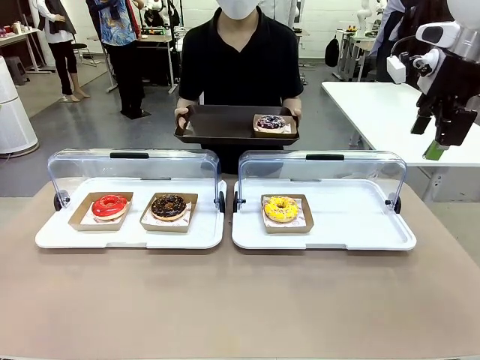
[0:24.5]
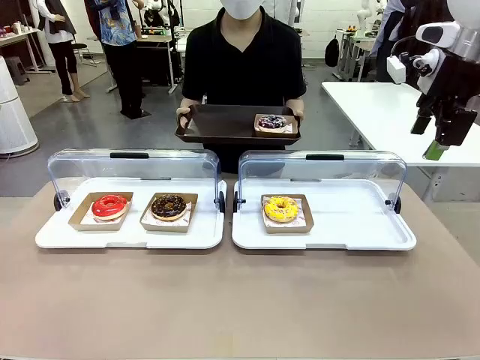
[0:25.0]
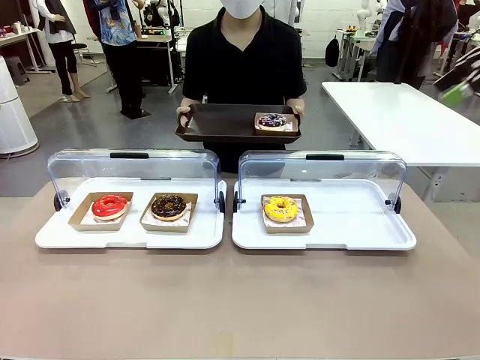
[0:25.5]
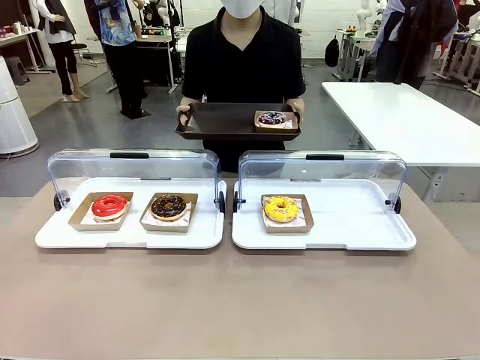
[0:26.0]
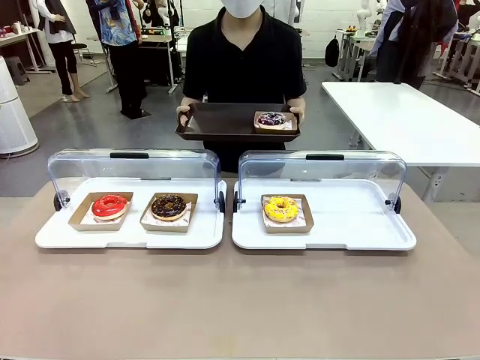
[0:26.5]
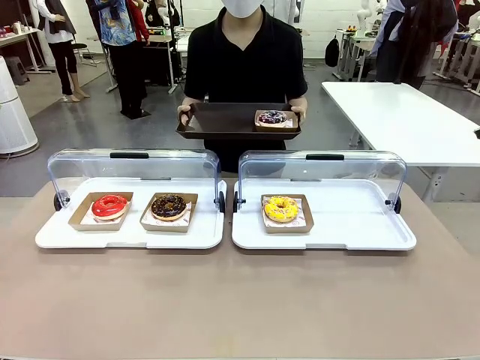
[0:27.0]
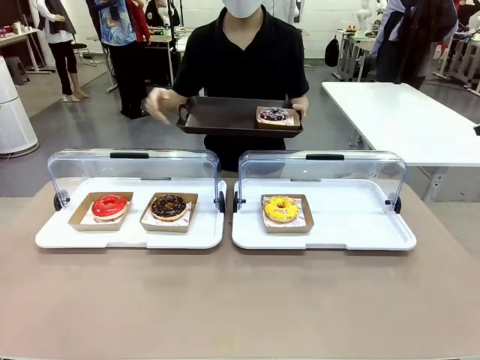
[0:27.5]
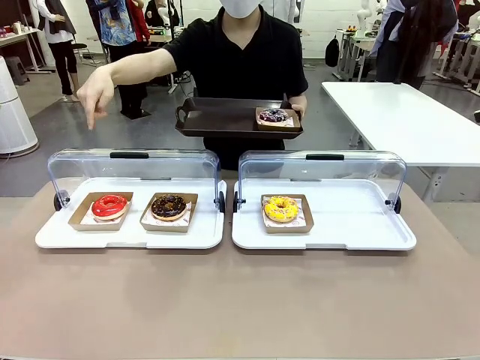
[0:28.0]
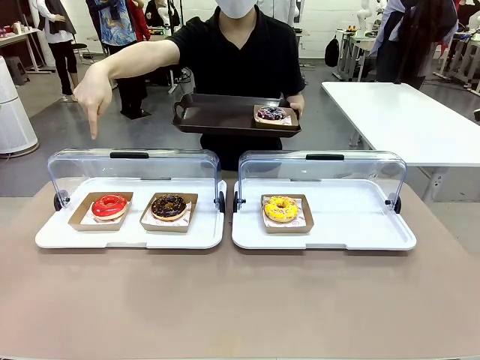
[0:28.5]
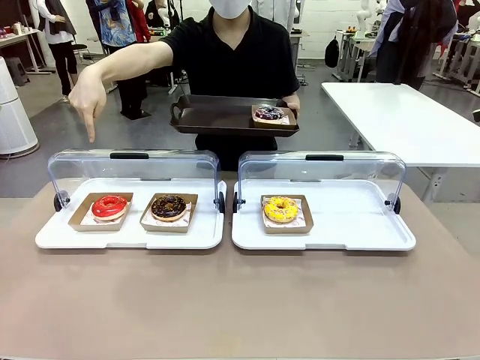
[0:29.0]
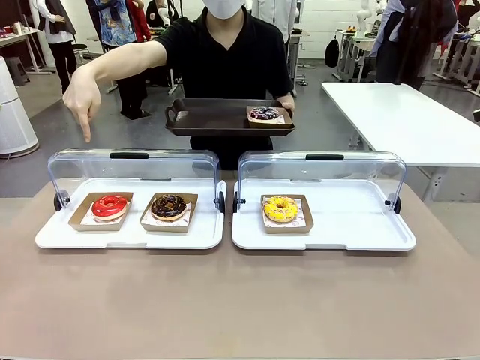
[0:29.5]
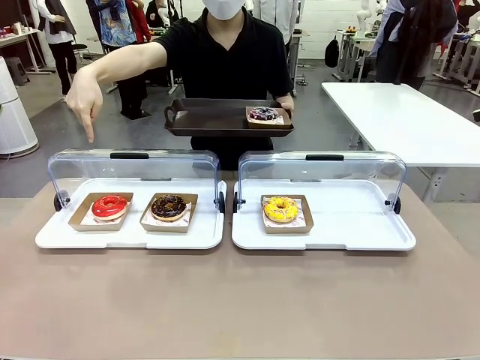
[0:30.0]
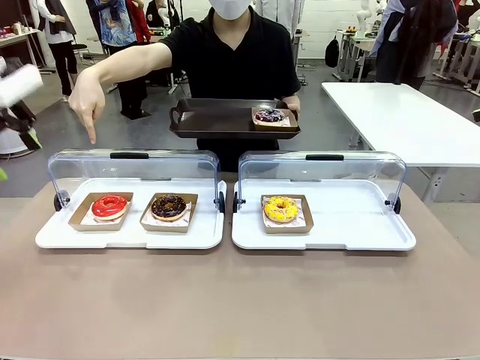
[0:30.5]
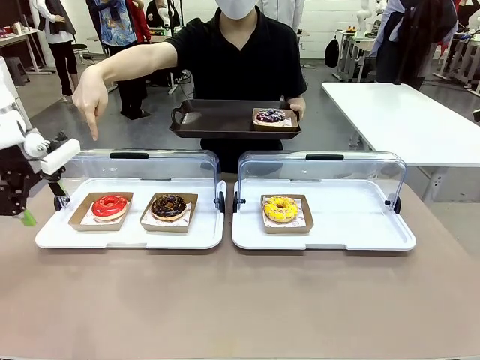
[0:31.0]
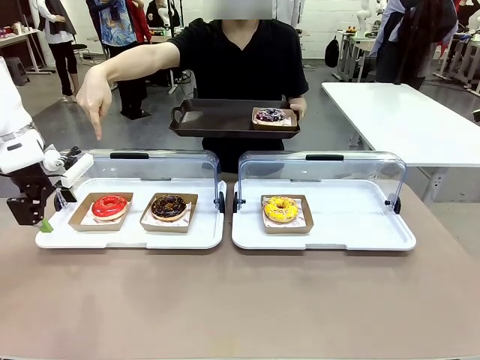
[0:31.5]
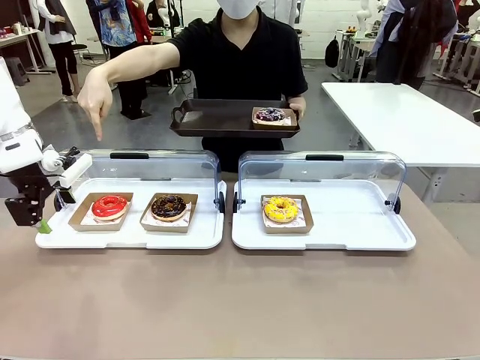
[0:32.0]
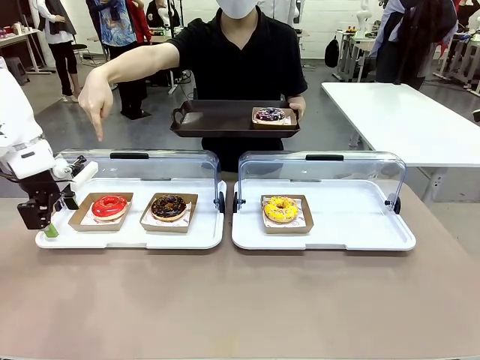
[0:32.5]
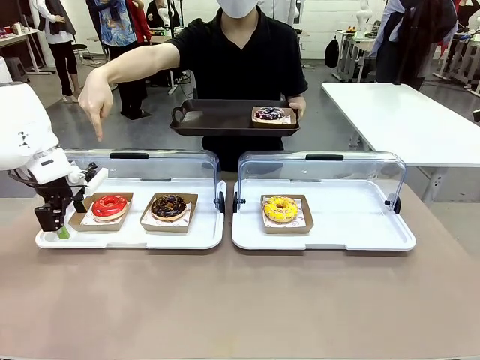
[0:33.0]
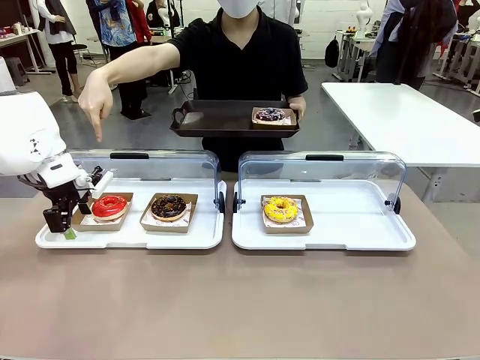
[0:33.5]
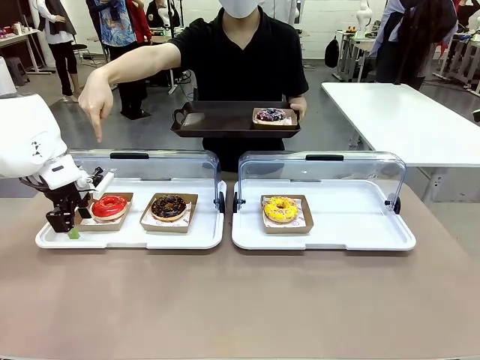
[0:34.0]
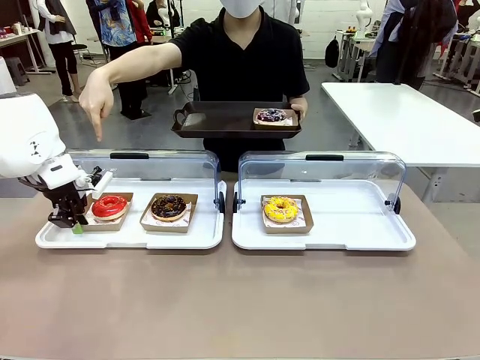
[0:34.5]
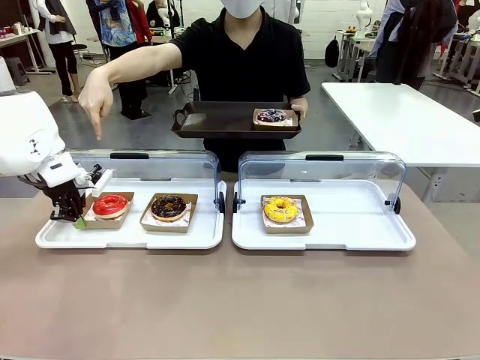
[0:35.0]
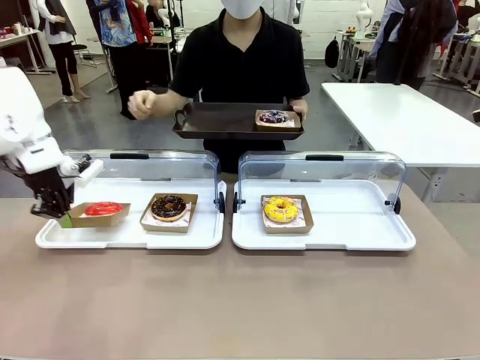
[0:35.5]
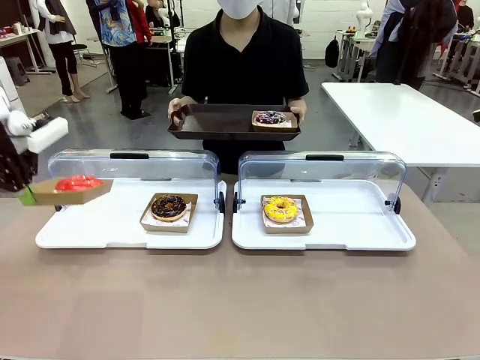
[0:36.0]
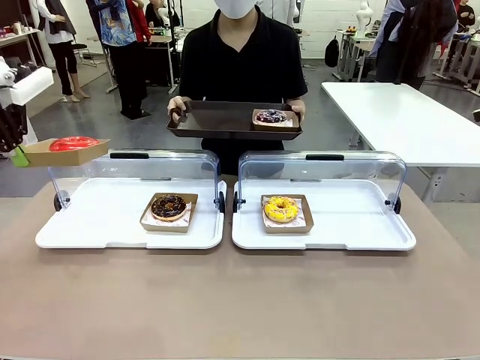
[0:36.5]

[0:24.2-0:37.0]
Task: Provide the desired donut to the person.
Robot: Pick up and lift the Paper togo box containing the Donut pointed at by the person.
Person: Point to one donut. Lift the tray onto the Roll-Top Bakery Case.

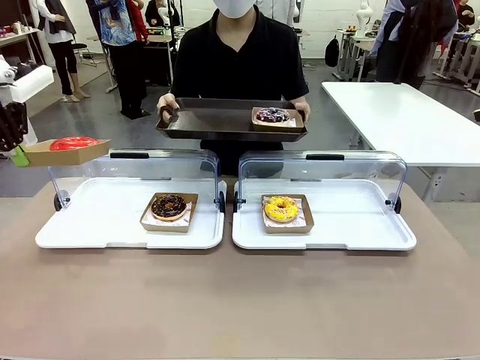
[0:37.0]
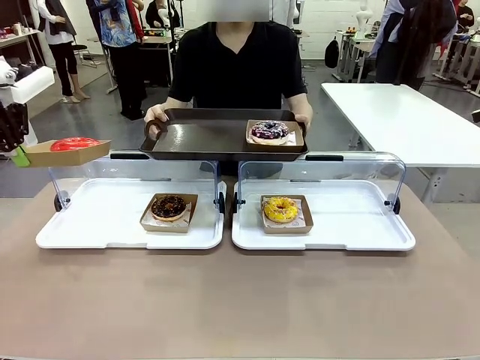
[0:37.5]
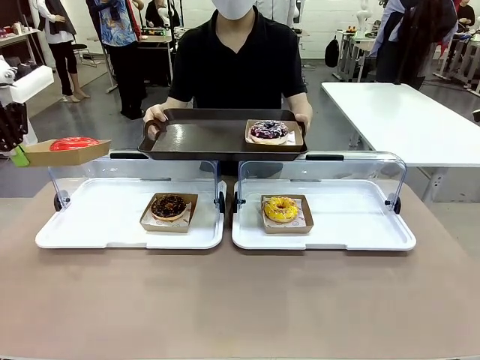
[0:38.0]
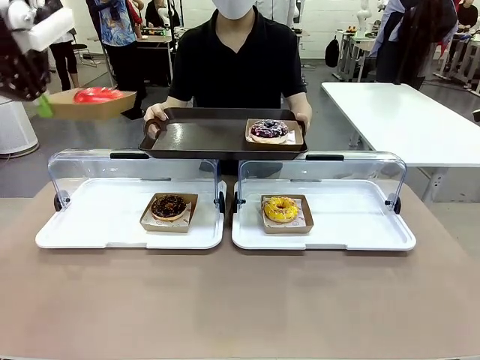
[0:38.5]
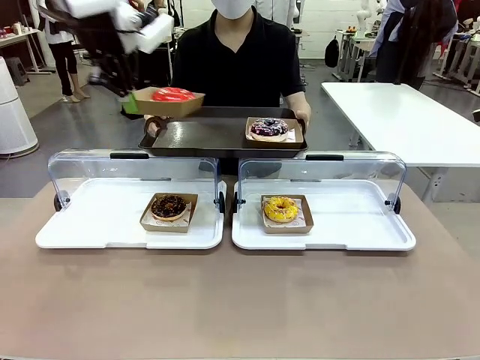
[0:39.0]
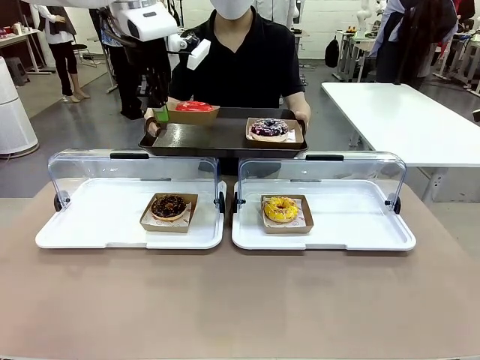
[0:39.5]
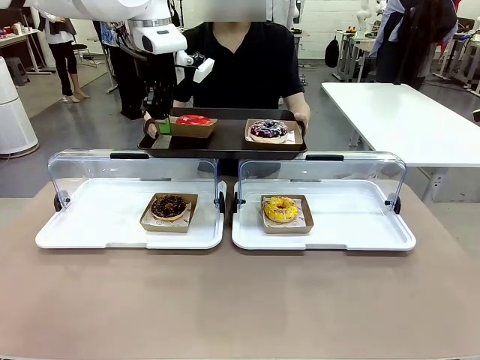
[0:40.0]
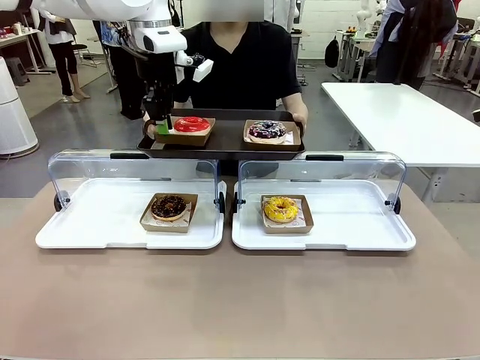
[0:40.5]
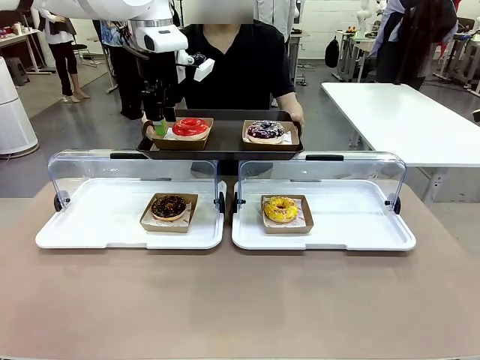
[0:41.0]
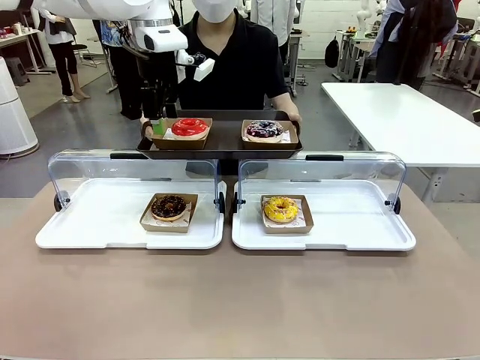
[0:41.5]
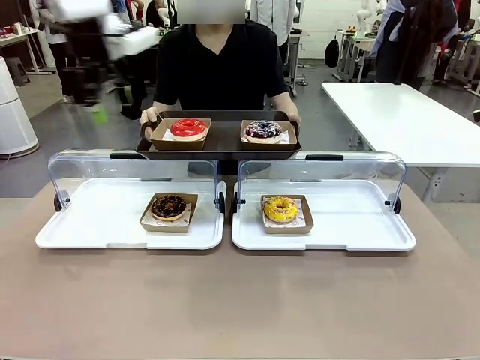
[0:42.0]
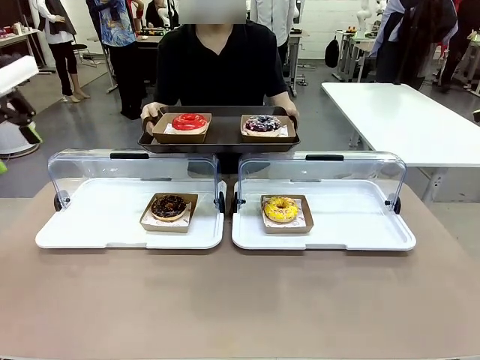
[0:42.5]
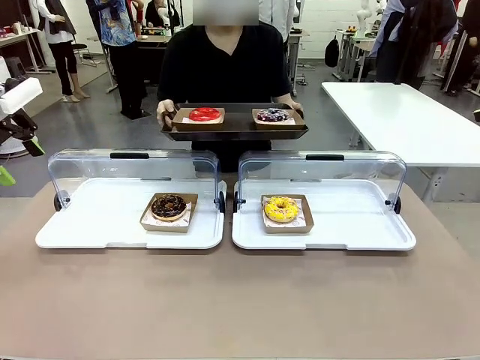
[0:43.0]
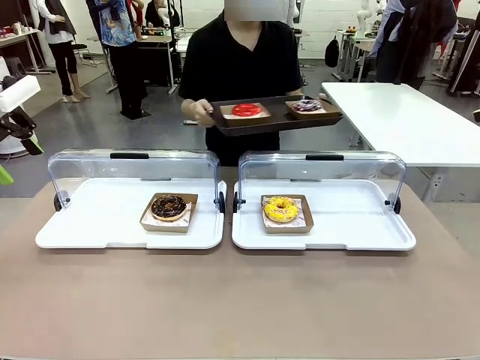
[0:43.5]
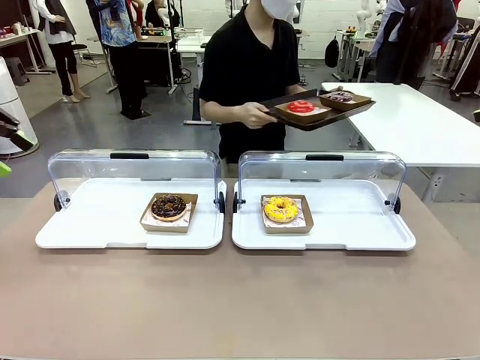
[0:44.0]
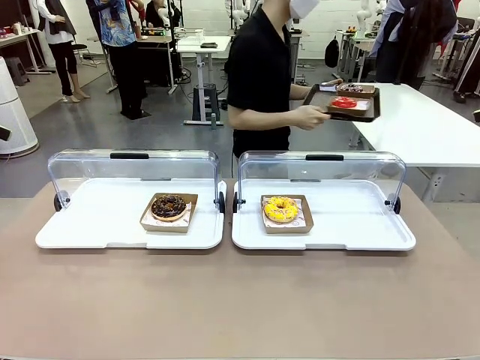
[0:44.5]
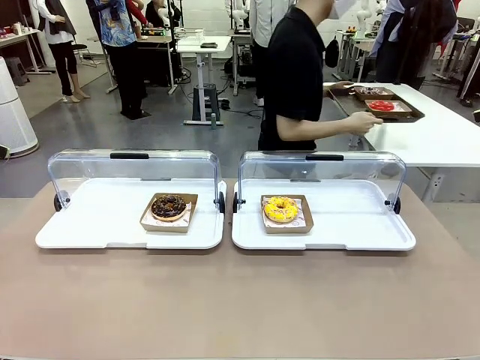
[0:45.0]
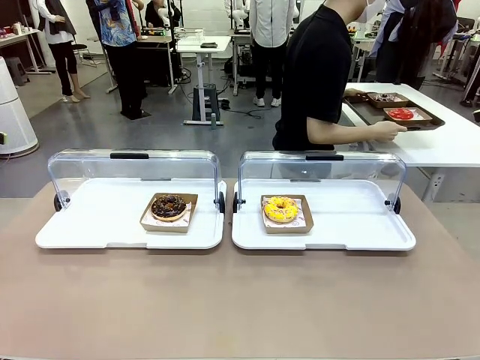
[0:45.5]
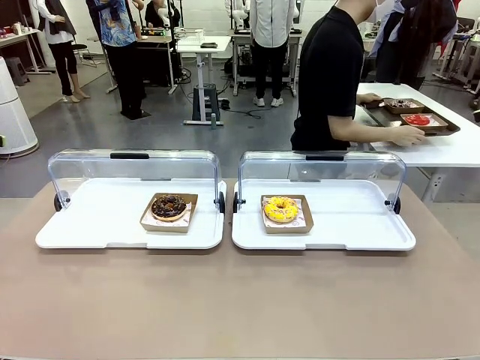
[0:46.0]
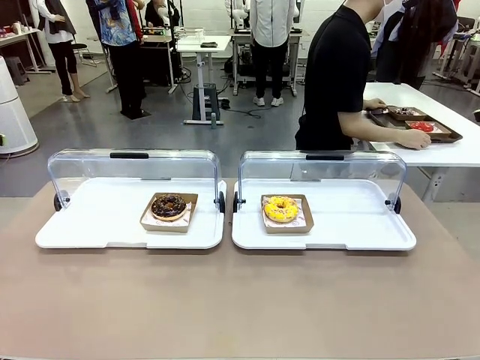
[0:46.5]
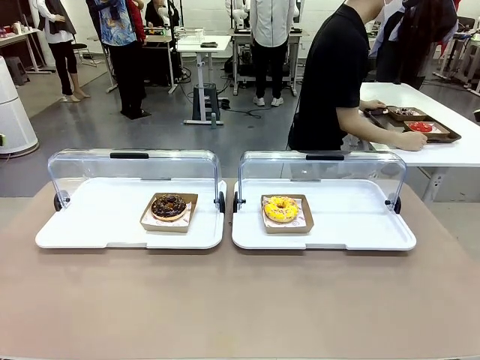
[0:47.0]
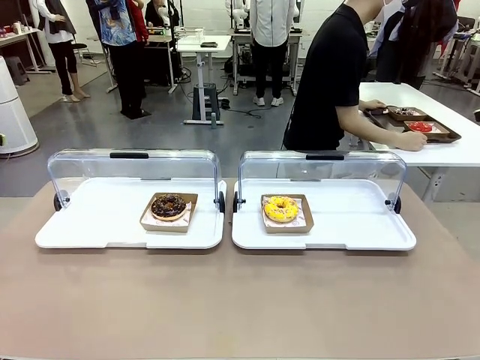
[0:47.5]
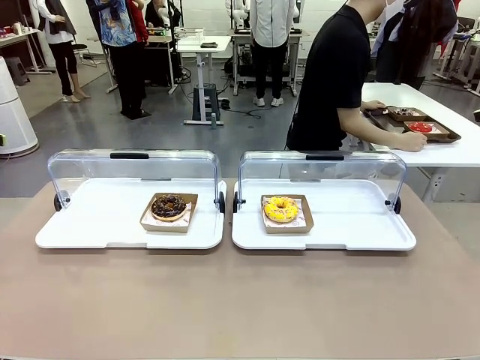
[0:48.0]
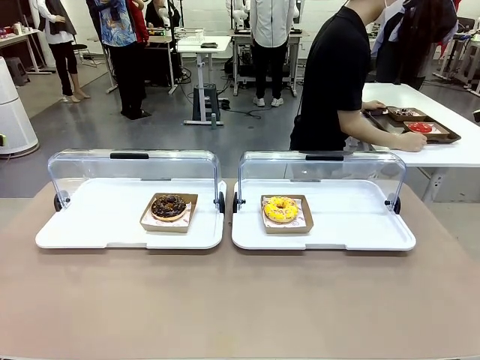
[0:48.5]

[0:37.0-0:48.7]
Robot: Place the picked Paper togo box onto the Handle tray extended by the person.
Person: Place the tray in the middle of the human table.
